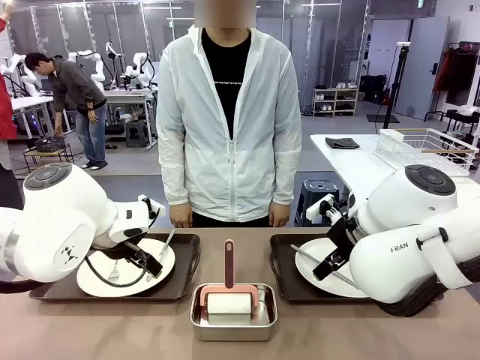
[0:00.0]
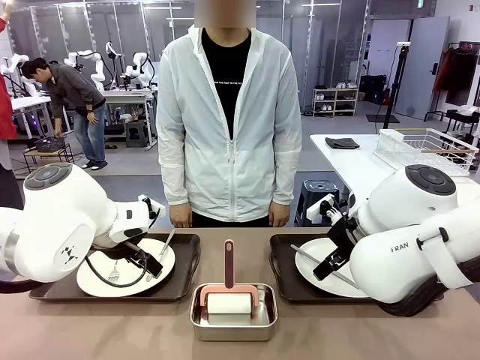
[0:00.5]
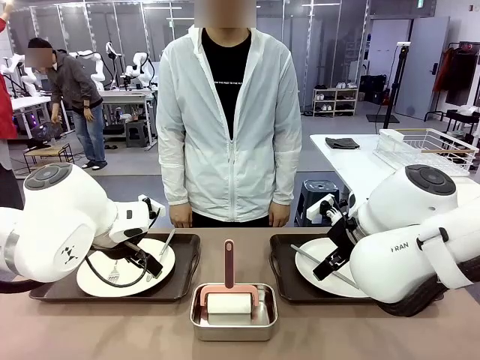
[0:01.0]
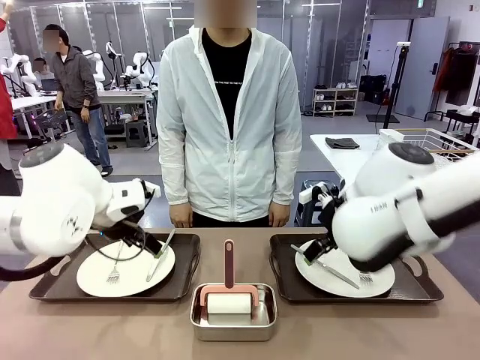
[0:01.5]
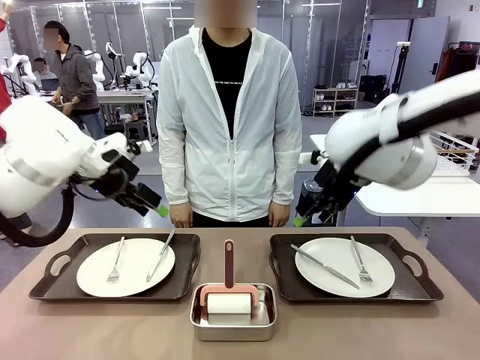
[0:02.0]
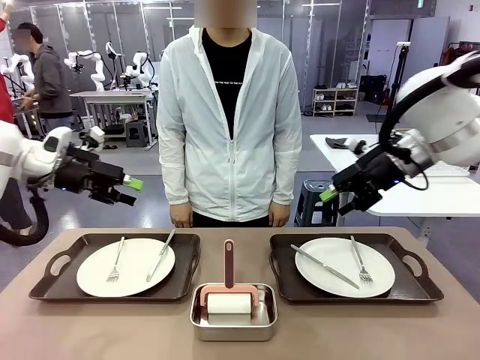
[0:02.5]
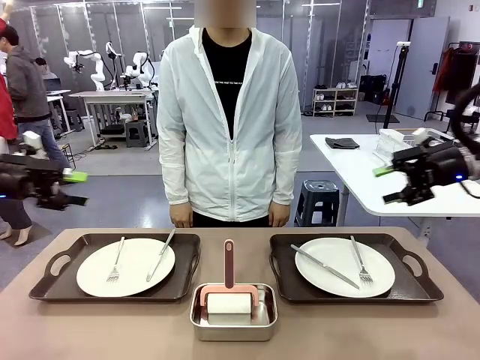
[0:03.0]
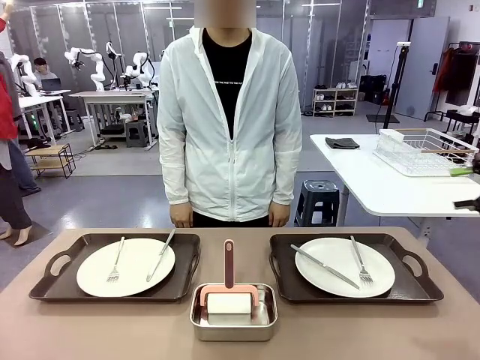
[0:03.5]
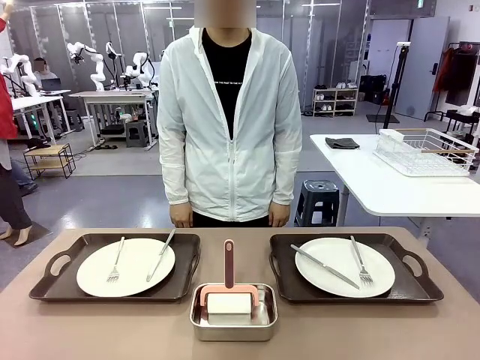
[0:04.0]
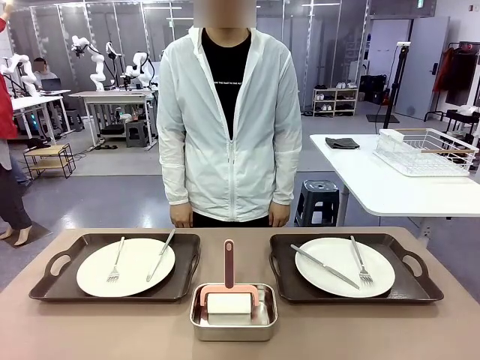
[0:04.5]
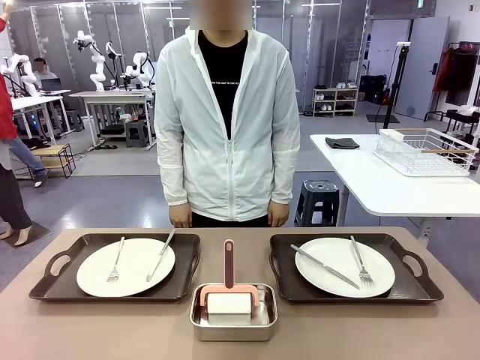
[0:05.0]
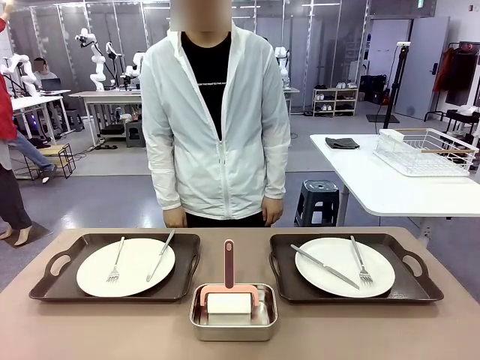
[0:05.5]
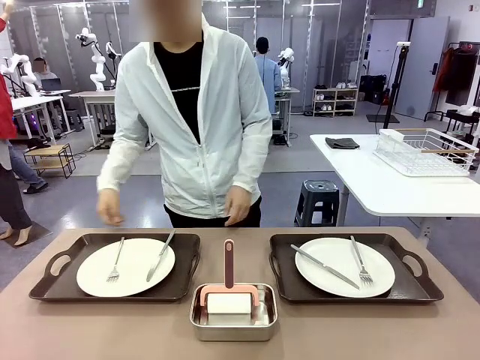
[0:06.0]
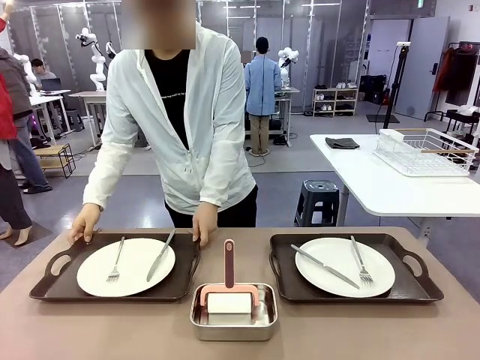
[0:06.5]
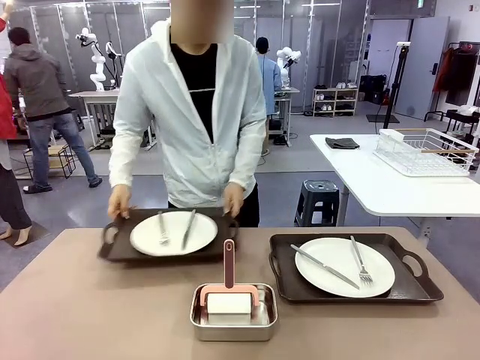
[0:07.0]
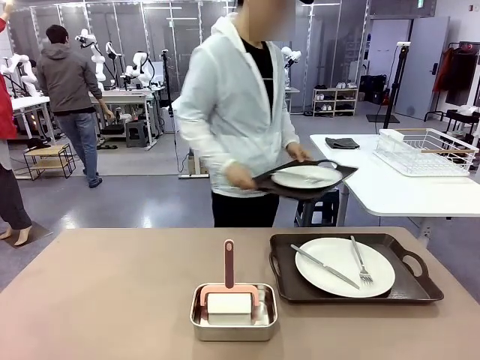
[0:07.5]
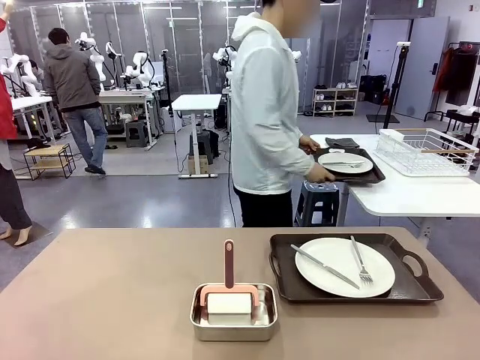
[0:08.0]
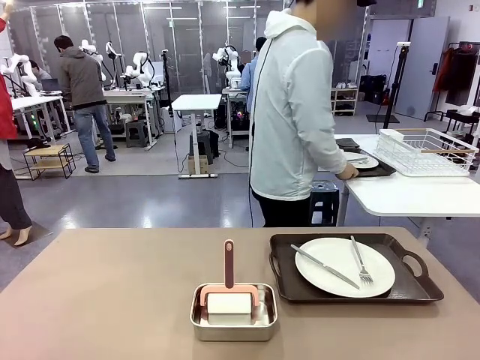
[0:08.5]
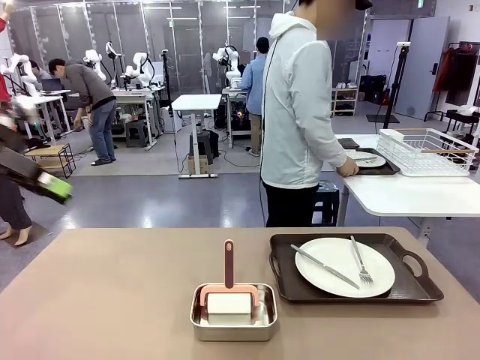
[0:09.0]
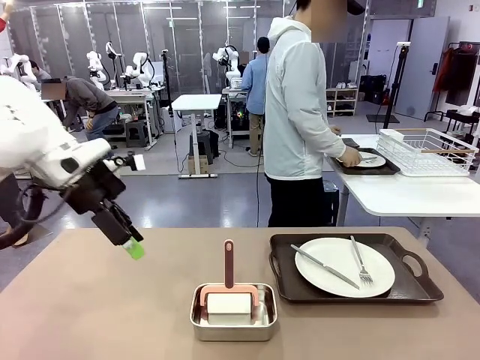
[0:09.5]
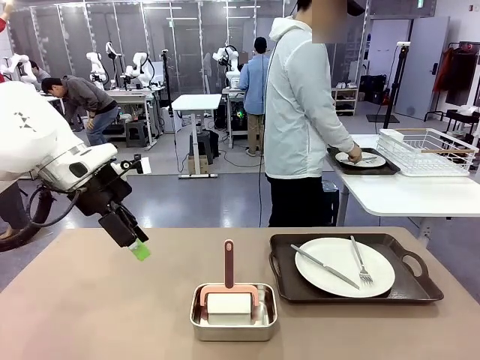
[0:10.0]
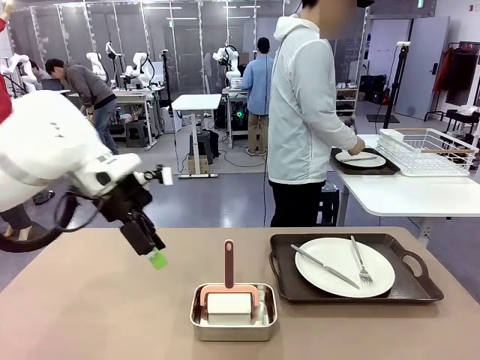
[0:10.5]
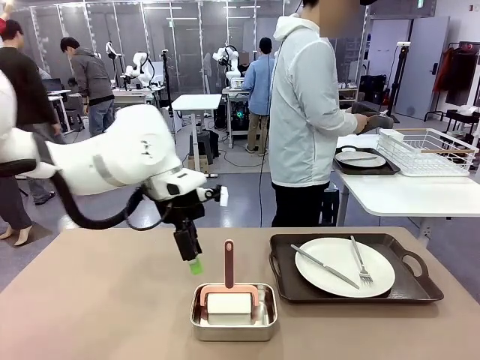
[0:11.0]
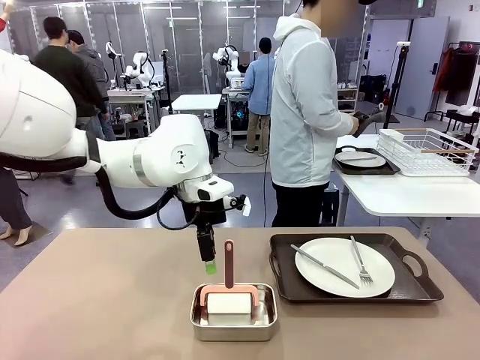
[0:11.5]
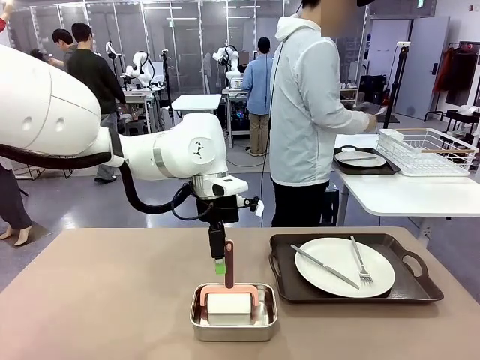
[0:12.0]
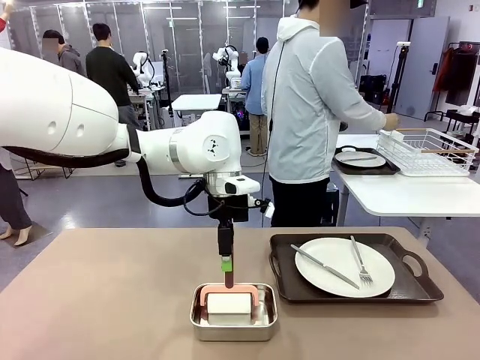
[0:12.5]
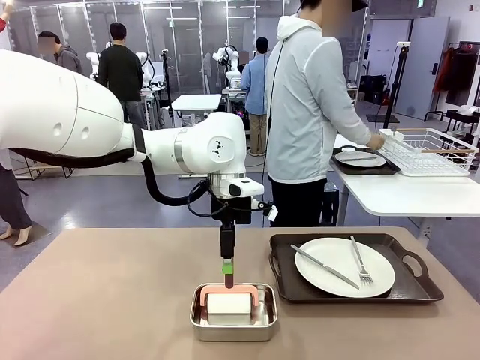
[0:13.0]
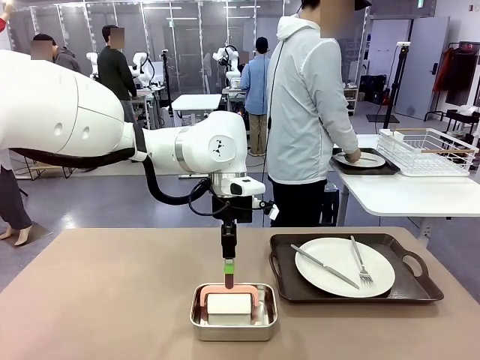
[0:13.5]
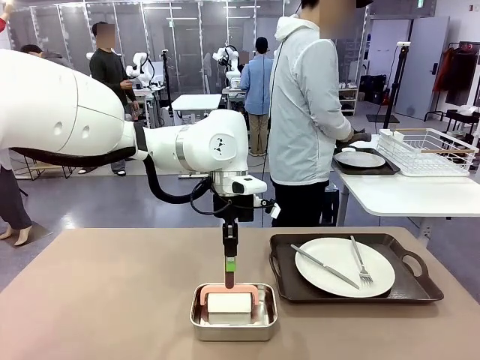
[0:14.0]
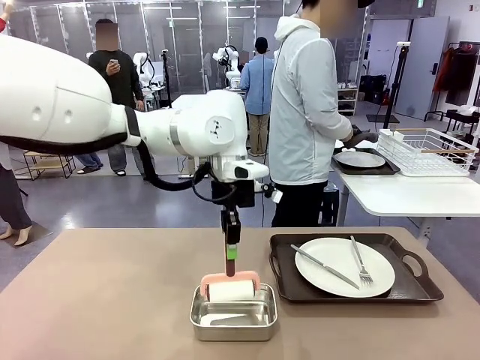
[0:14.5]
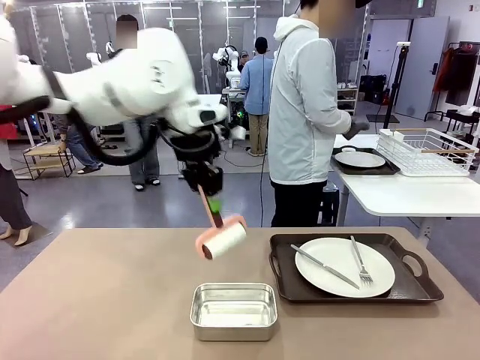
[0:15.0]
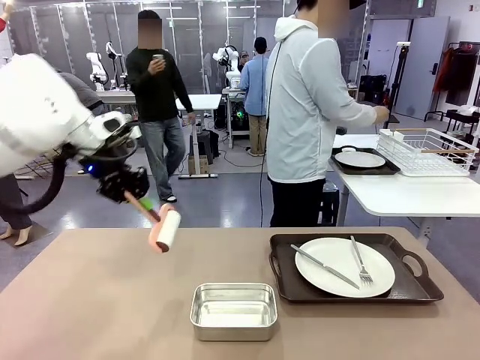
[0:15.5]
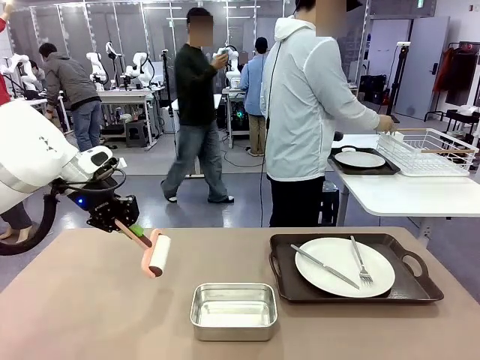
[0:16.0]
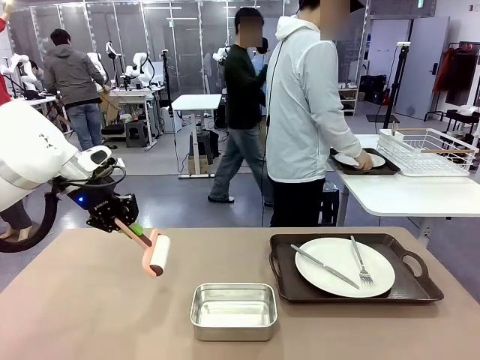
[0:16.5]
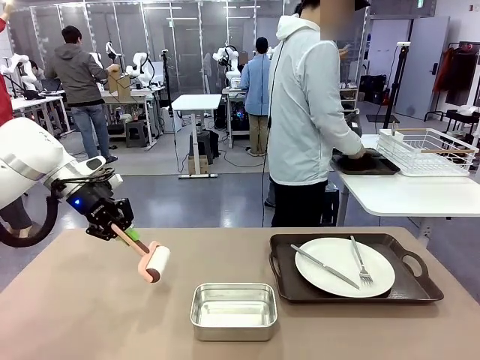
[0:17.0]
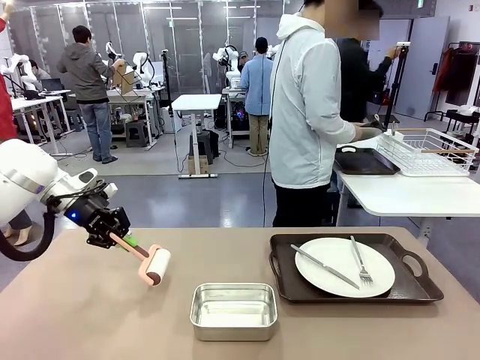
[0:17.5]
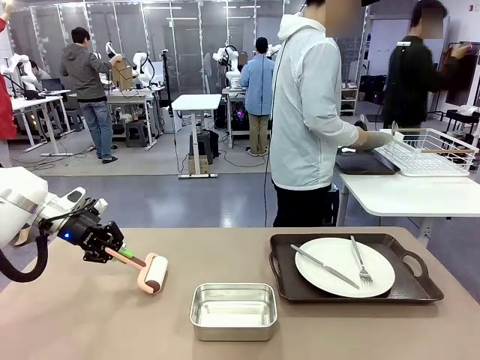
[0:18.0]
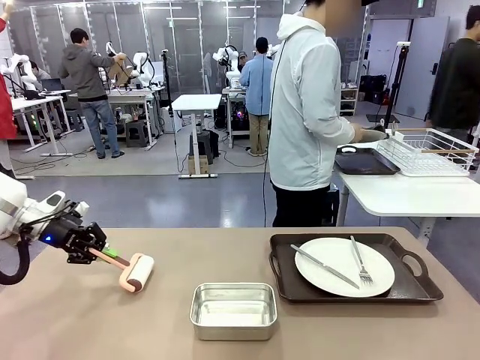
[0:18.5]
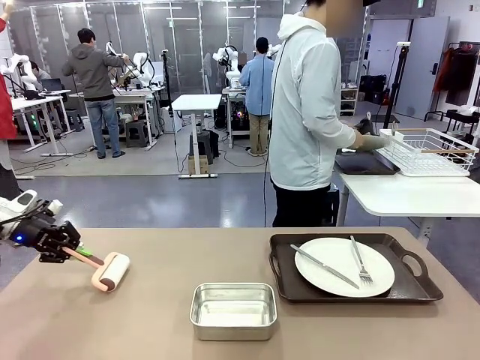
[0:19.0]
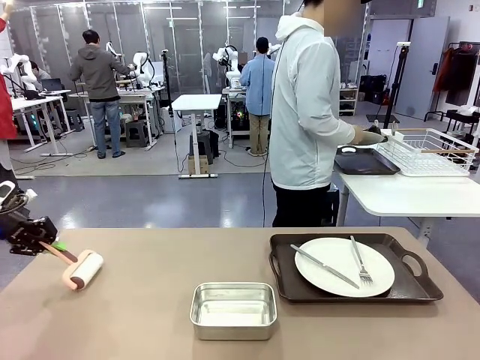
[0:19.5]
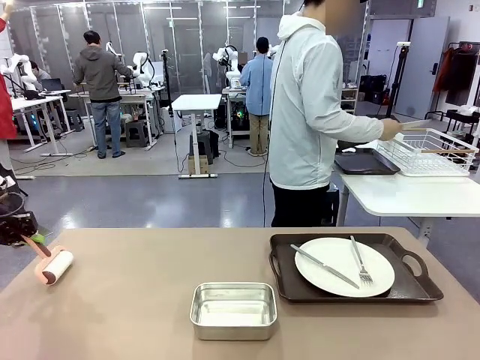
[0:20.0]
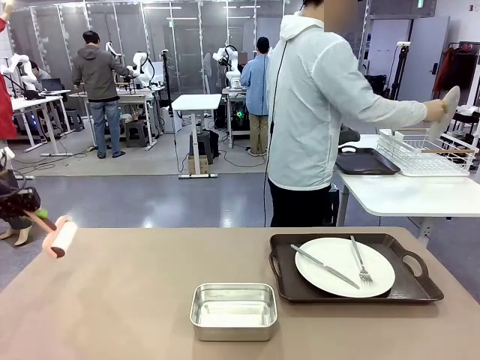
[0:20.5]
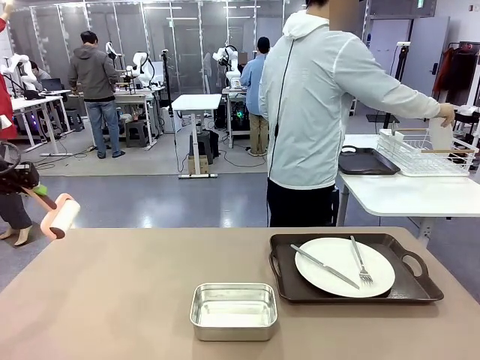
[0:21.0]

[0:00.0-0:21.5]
Robot: When the left (or right) Handle tray is removed, use the left hand (or right hand) to clean the left (or right) side of the table with the Lint Roller.
Person: Pick up the left (or right) Handle tray and place it on the middle of the Human's table. Use the Towel with hook to wipe the Plastic Matte Plate , Fork , and Knife and place into the Dish drying rack.

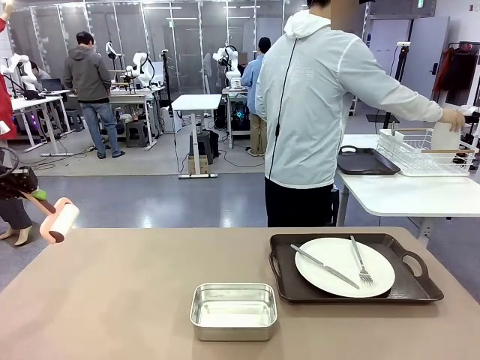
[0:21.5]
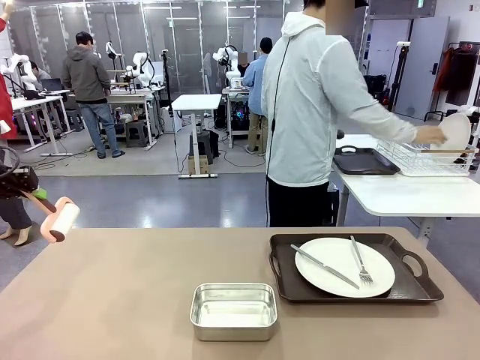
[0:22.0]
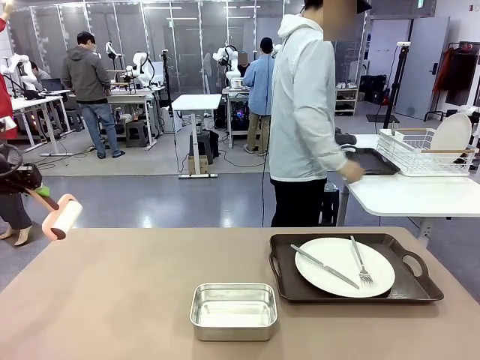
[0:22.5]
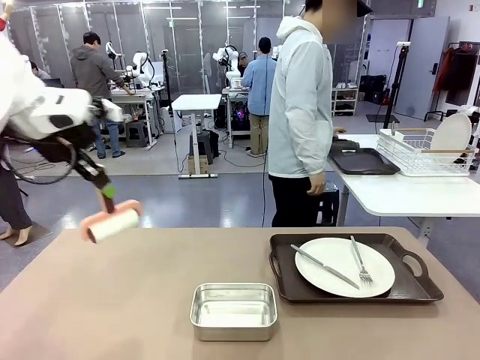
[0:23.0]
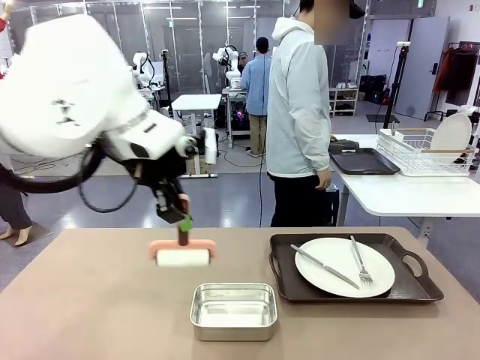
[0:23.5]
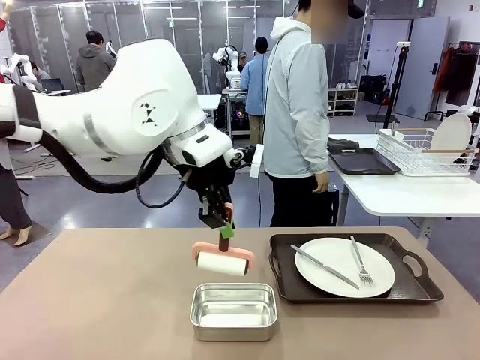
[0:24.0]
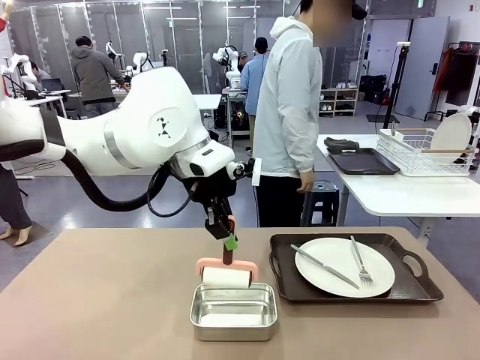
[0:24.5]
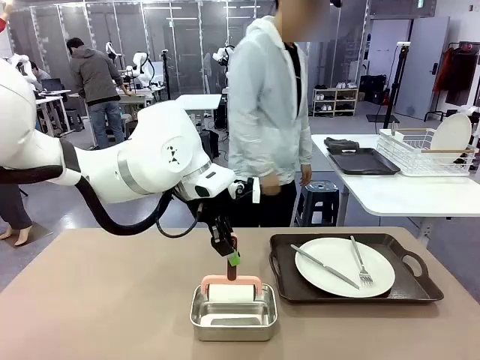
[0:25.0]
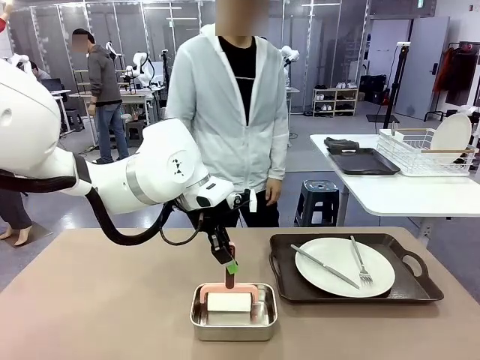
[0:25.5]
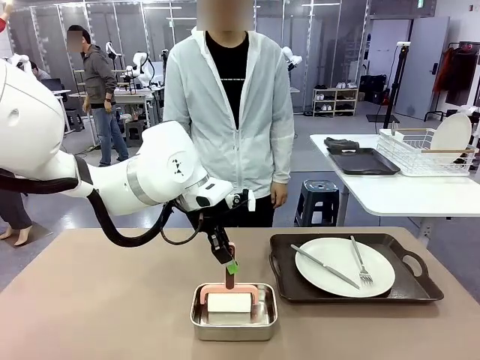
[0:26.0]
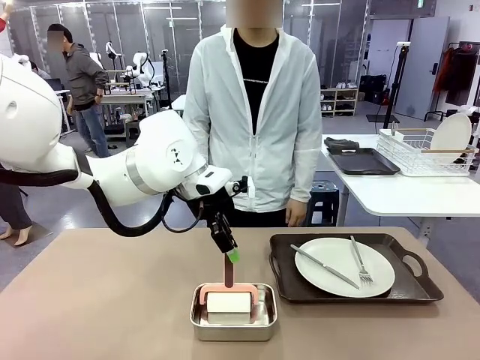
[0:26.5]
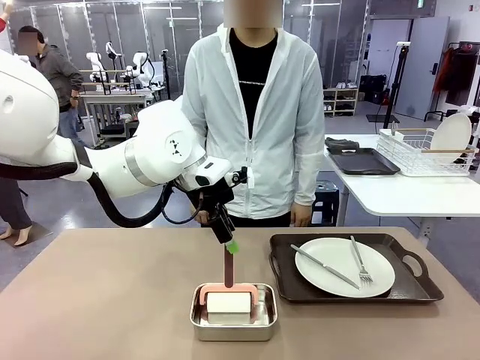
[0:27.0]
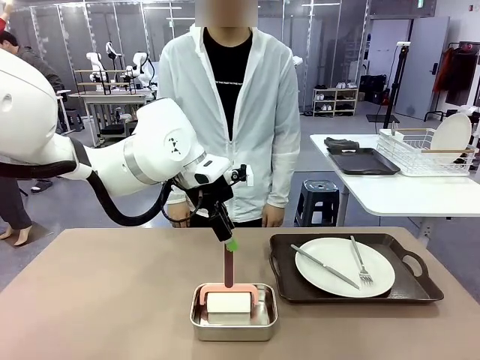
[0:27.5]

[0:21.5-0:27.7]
Robot: Place the Lint Roller back on top of the Airtight Container.
